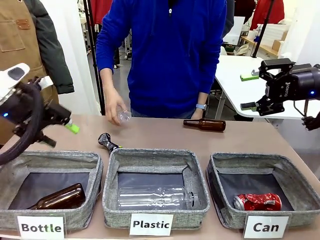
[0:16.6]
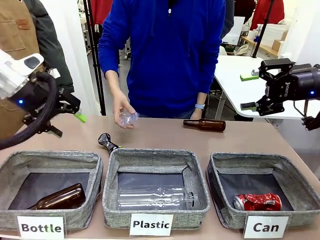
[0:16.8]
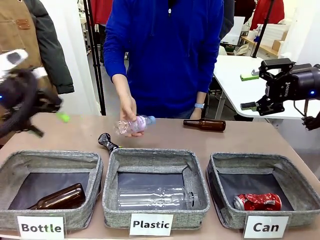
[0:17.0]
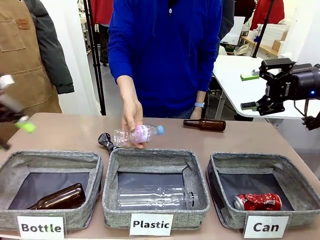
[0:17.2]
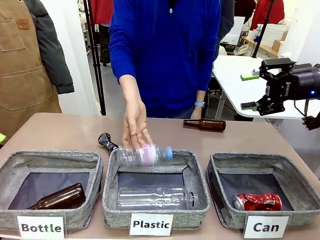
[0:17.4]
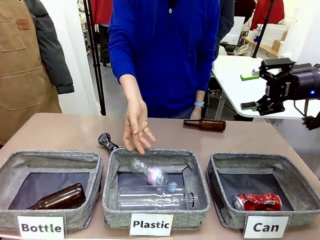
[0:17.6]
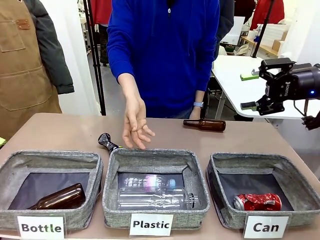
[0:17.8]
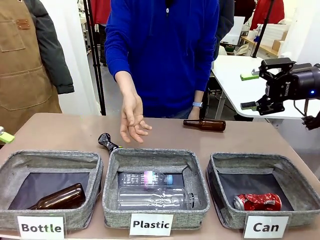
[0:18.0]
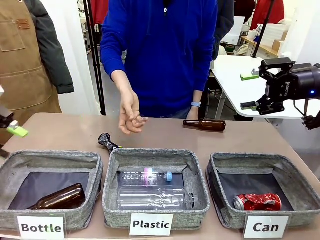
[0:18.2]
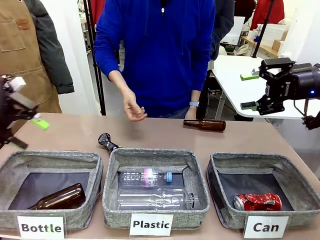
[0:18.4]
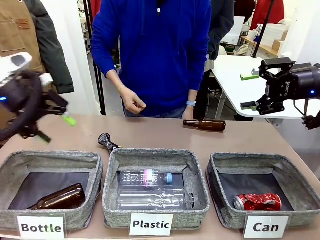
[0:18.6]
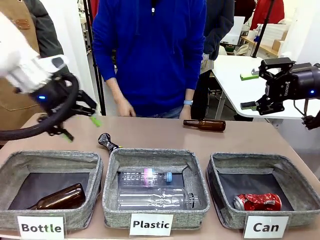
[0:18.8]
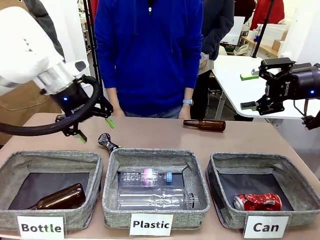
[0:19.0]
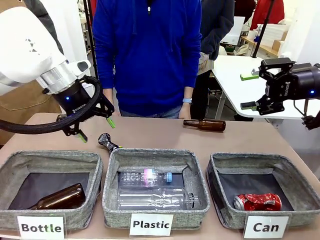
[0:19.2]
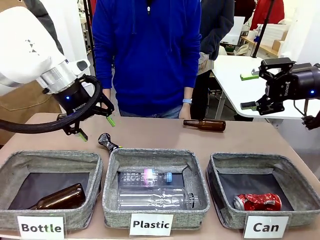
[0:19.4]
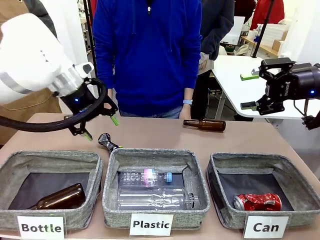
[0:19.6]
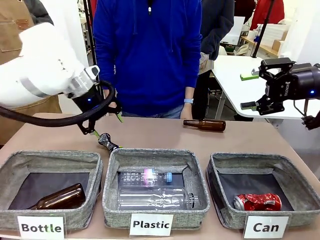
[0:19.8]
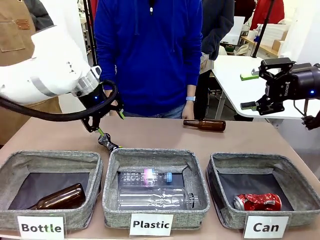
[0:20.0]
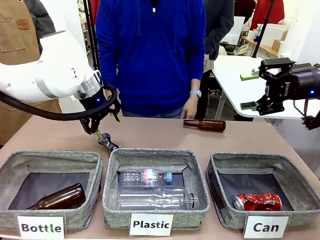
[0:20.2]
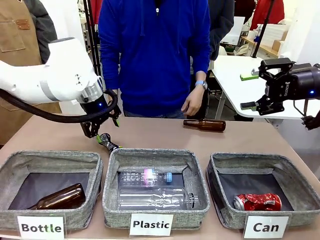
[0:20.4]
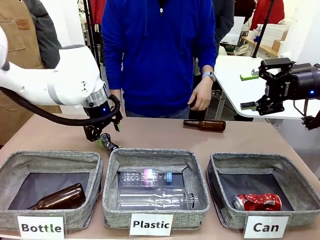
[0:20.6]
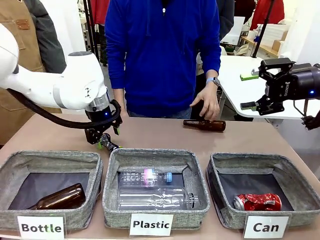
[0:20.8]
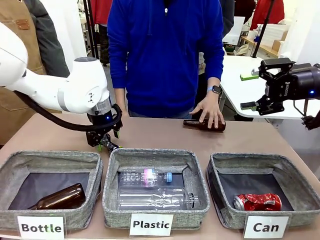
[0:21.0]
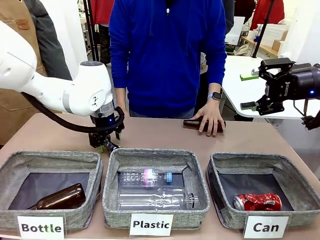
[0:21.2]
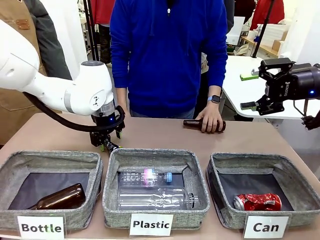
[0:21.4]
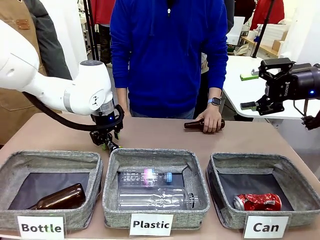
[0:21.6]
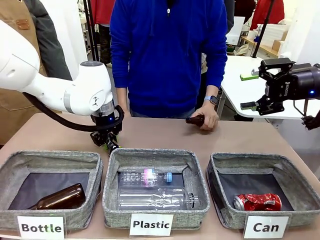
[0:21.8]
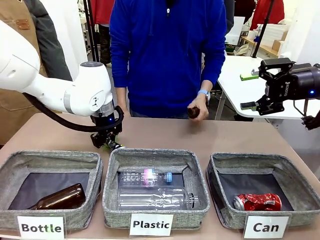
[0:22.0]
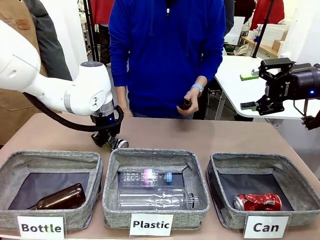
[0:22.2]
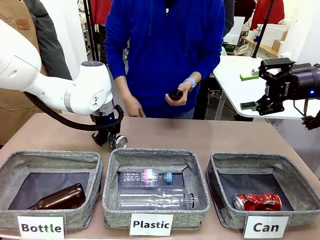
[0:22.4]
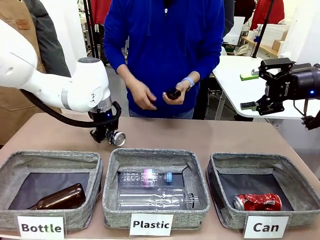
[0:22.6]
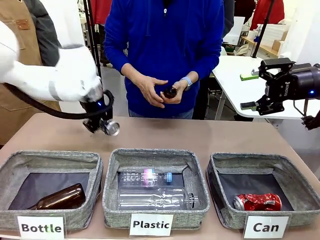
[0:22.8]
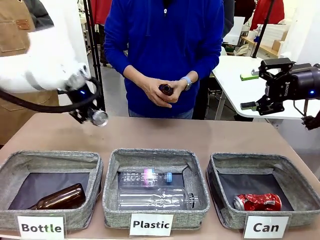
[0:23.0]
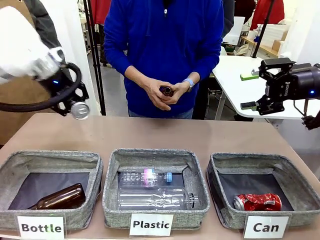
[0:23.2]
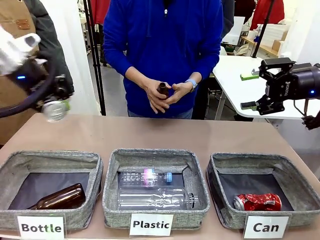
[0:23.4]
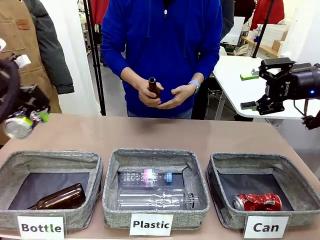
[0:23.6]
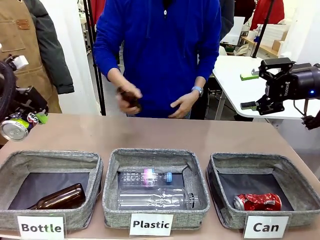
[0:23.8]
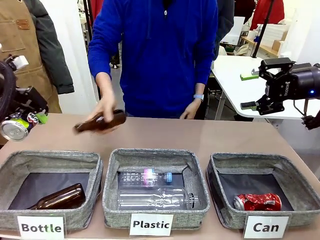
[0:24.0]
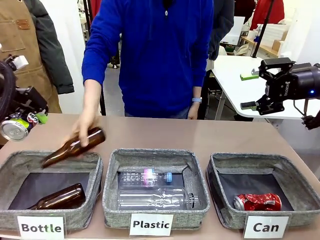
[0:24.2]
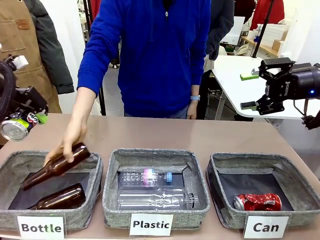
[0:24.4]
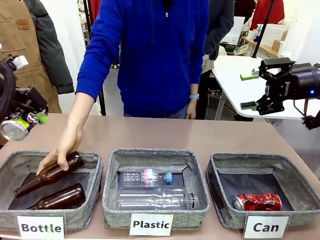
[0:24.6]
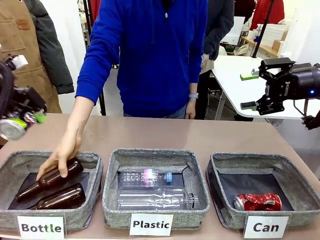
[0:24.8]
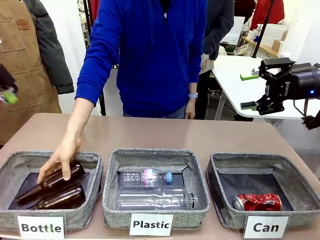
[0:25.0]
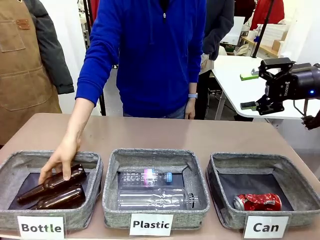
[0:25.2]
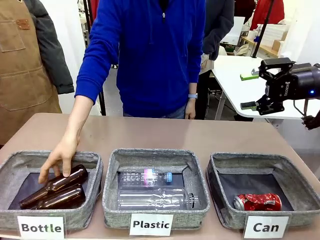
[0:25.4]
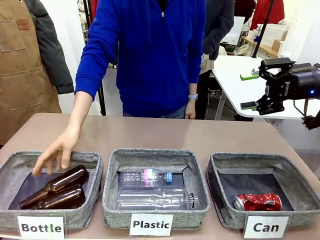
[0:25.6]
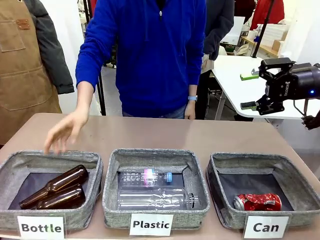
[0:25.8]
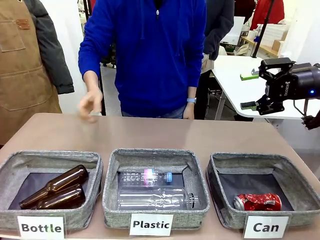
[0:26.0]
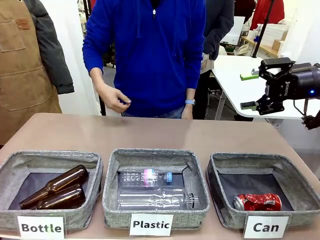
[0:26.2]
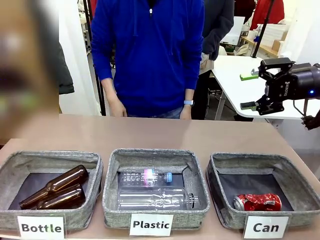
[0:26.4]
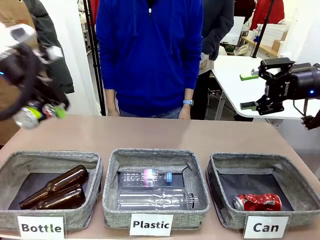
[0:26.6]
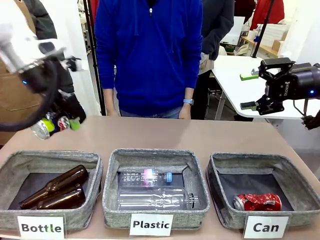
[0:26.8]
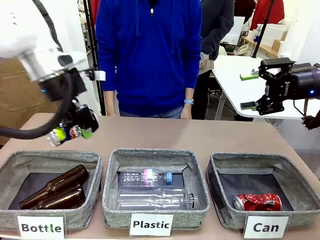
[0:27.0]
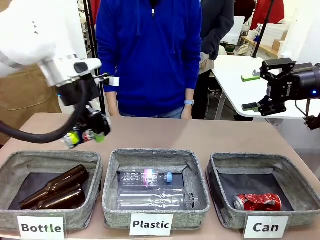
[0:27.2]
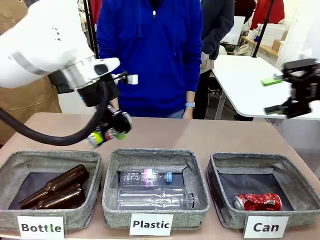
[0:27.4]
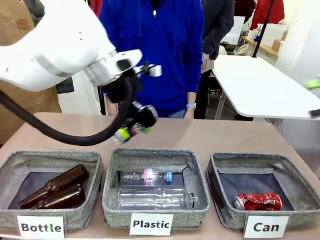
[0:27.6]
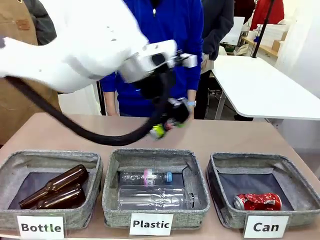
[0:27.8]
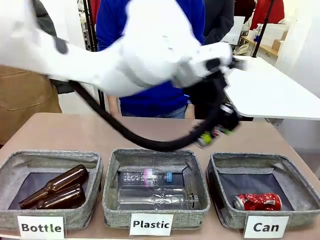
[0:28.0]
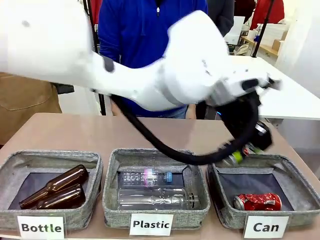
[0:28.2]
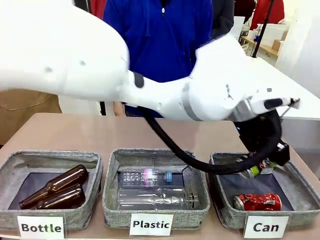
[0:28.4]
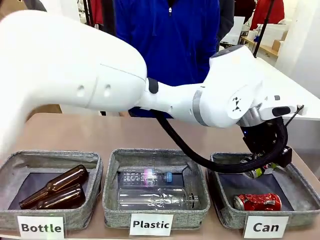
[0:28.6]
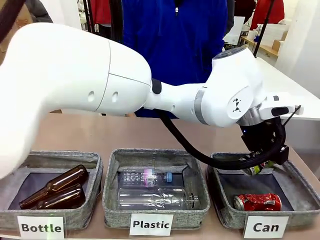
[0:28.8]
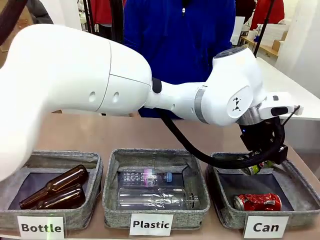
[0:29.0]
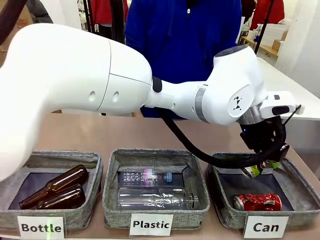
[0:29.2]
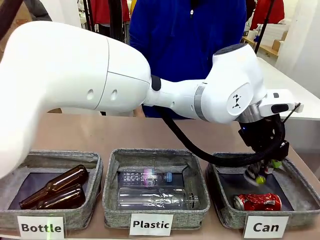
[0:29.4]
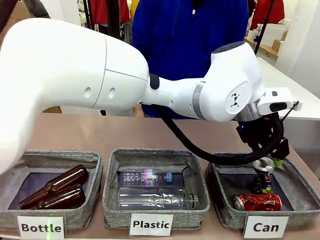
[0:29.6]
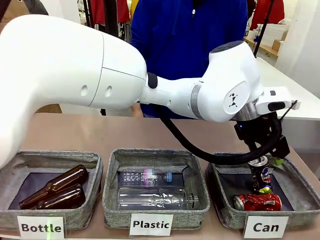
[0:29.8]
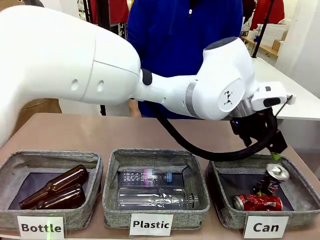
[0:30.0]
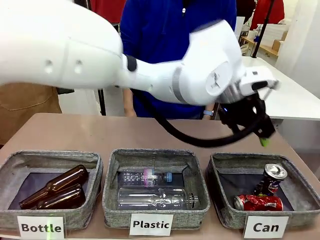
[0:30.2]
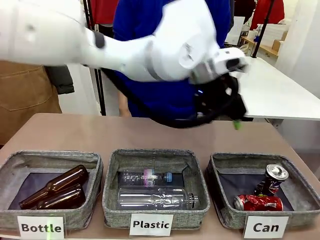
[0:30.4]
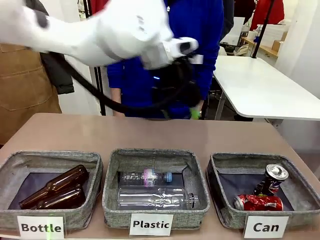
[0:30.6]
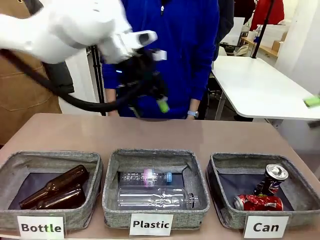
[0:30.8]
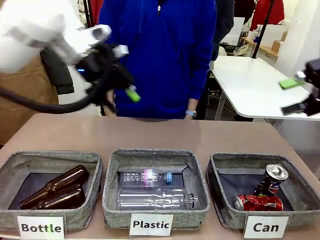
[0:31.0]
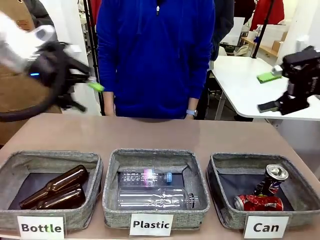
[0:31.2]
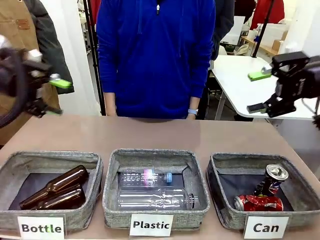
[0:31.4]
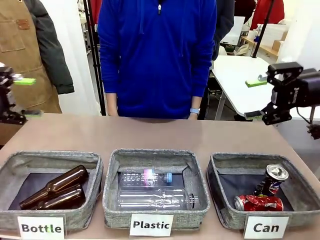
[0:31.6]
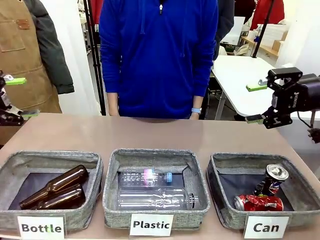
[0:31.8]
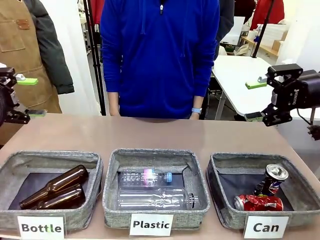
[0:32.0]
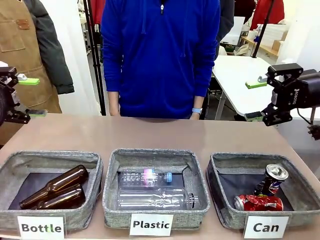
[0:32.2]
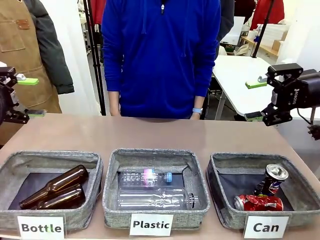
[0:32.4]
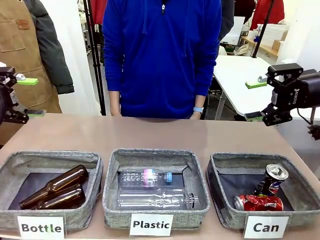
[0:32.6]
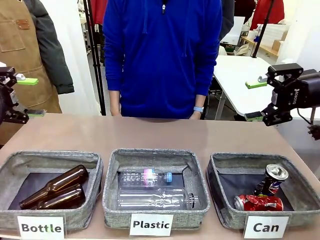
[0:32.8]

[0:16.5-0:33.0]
Task: Sort the can waste into the basket.
Robot: Pick up the can waste from the table and place it in the right Fabric basket.
